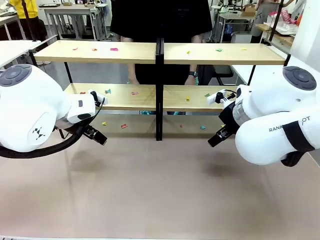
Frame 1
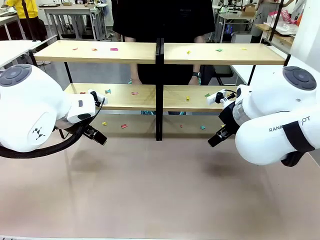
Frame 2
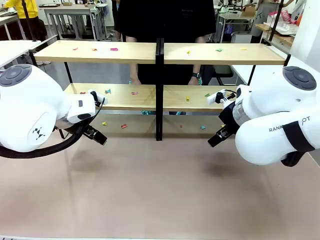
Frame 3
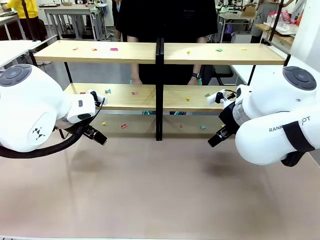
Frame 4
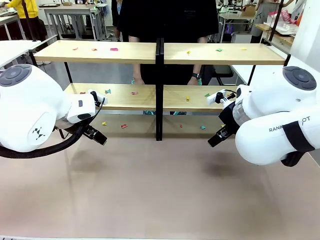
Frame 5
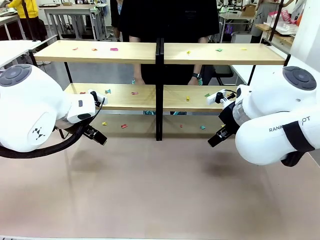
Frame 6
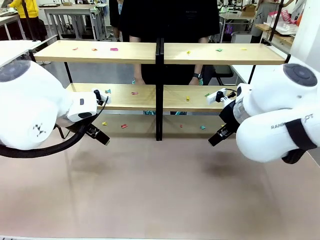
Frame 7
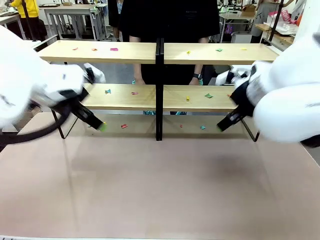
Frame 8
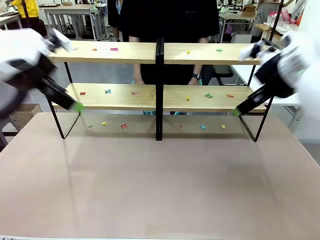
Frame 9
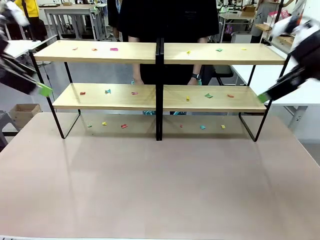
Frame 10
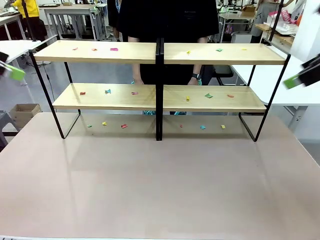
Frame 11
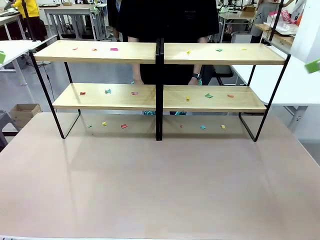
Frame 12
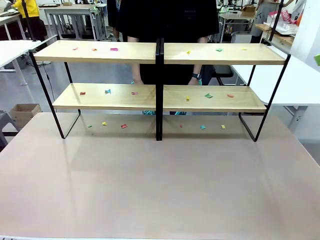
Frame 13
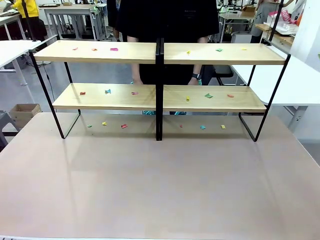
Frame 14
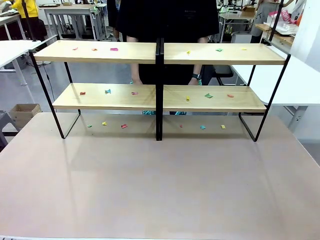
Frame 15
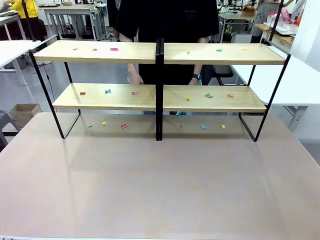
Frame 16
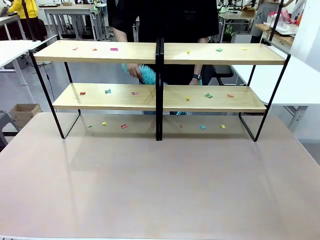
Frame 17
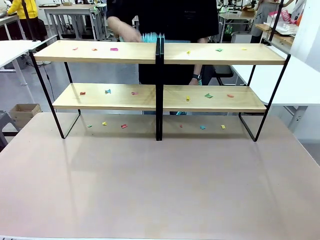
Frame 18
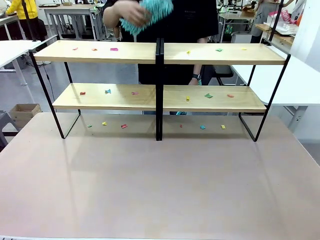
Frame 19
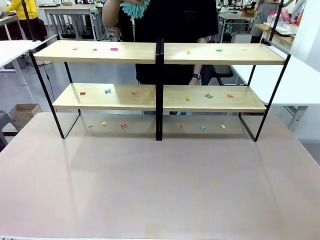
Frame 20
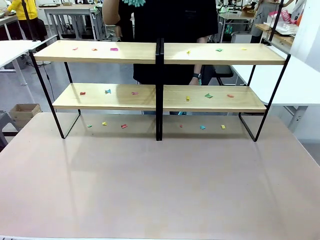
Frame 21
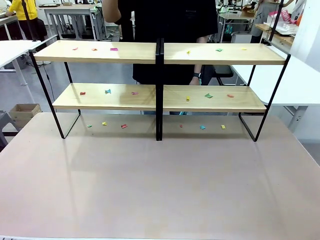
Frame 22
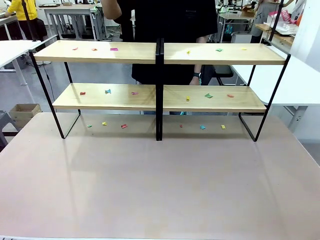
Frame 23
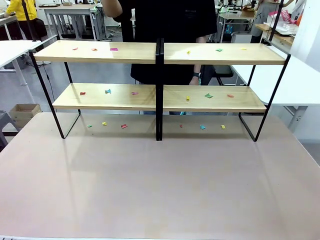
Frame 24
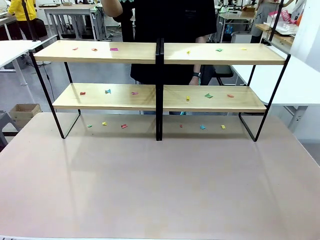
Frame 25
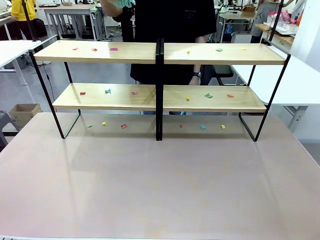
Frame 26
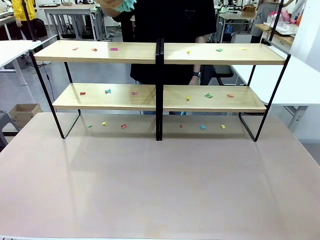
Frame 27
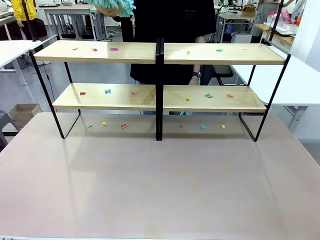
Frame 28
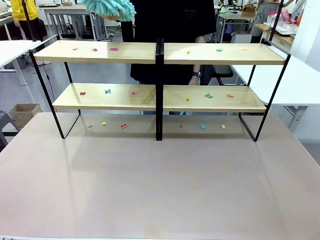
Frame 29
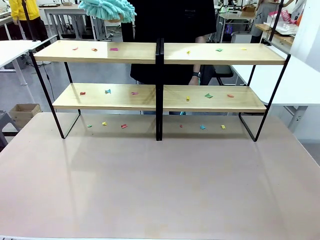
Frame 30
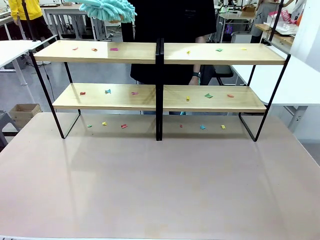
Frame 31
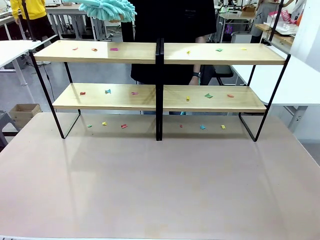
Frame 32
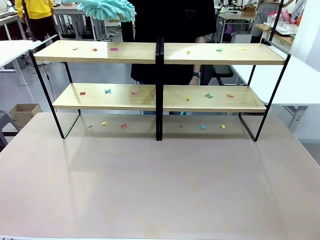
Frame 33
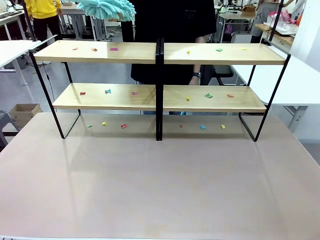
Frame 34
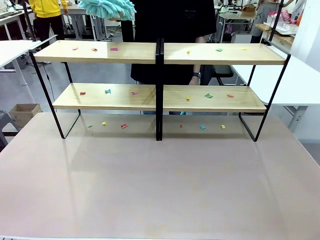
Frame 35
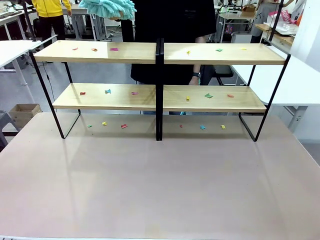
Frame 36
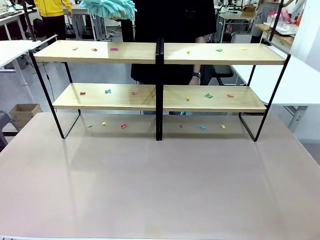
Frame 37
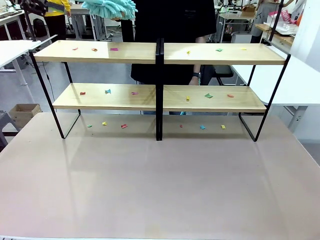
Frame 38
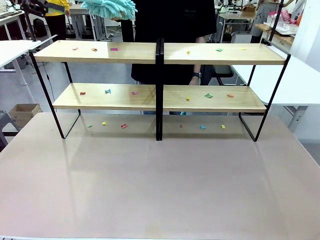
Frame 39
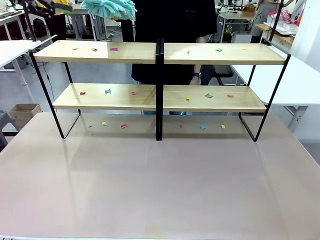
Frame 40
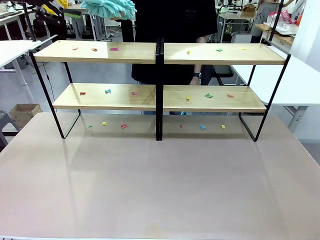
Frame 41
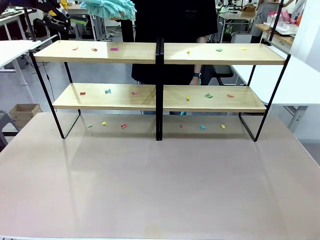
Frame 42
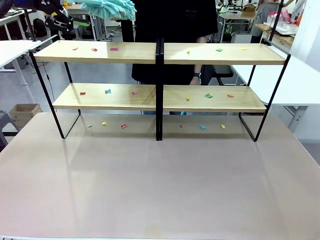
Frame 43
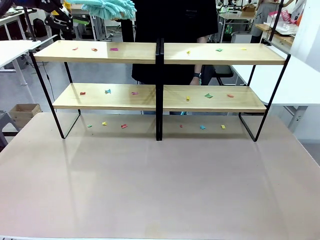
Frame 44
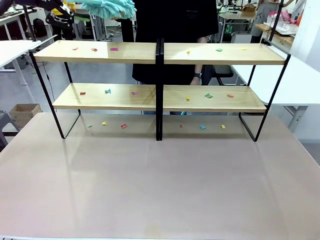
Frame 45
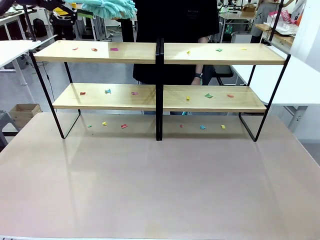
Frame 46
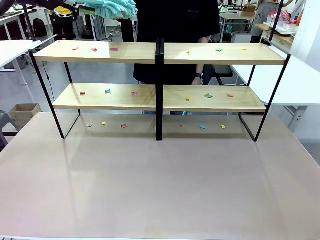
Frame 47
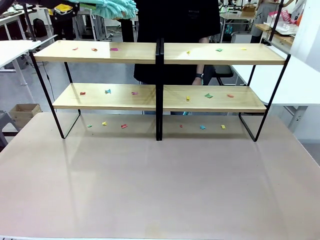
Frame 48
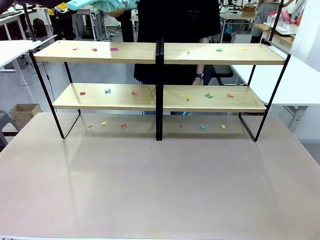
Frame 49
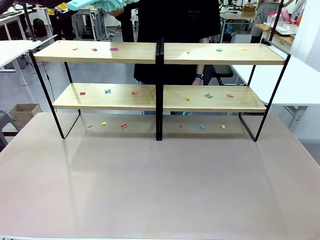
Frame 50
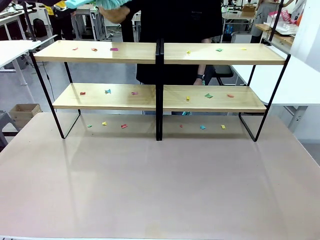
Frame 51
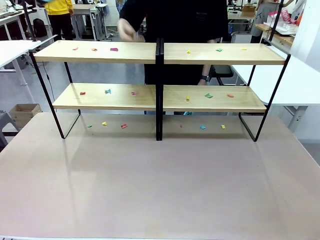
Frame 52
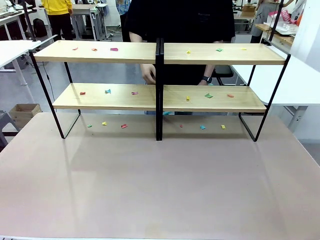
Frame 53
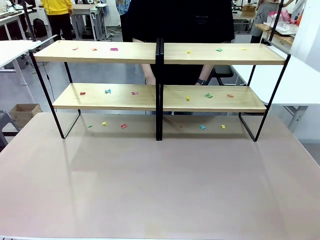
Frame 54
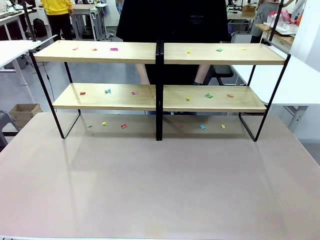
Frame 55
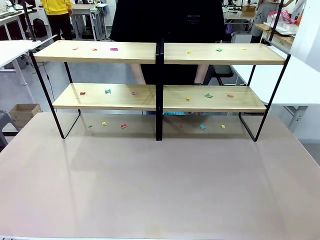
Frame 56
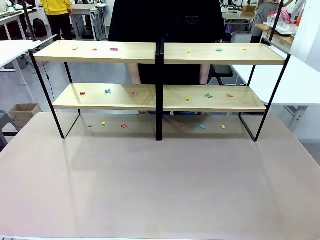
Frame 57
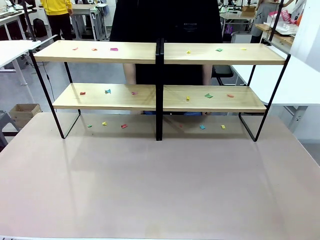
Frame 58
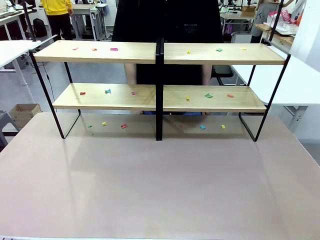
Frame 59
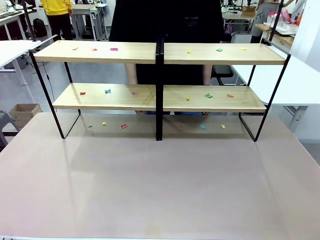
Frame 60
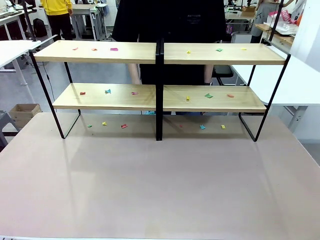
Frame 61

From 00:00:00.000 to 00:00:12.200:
Task: Clean the shelves.
Robot: Pick up the Duster when the human hands it over.
Person: Hand the Duster to the robot with your right (or left) hand.

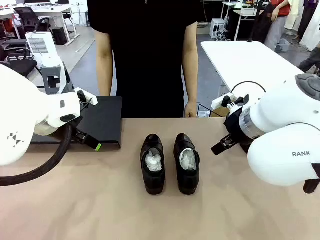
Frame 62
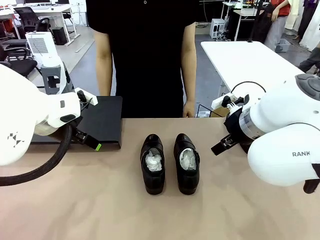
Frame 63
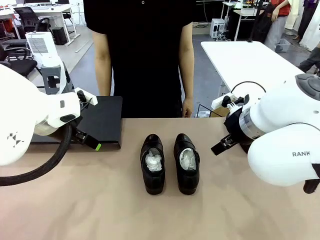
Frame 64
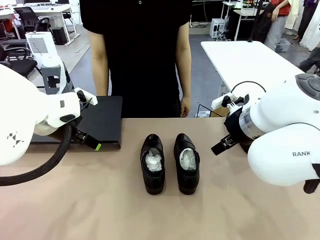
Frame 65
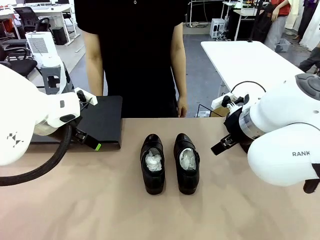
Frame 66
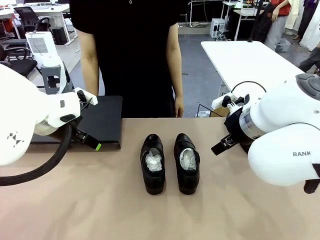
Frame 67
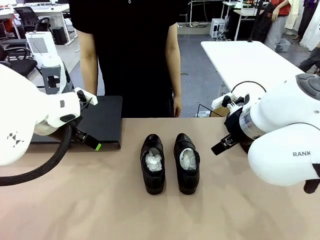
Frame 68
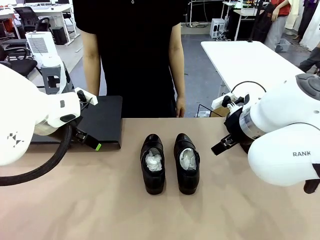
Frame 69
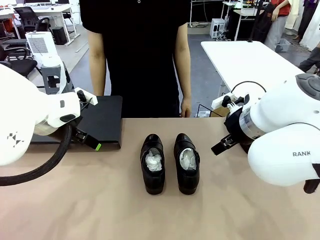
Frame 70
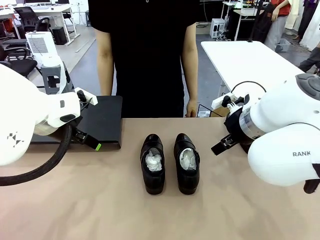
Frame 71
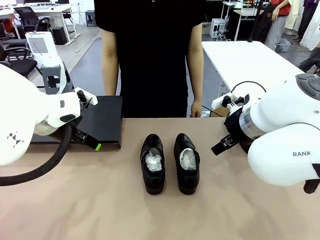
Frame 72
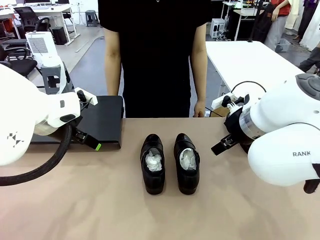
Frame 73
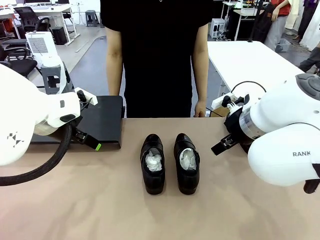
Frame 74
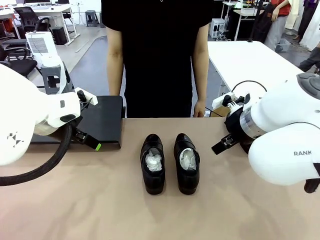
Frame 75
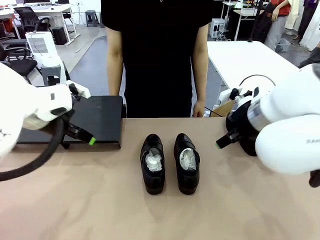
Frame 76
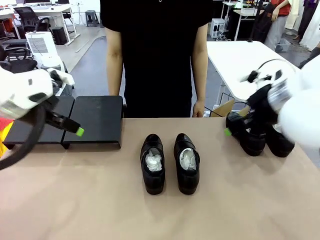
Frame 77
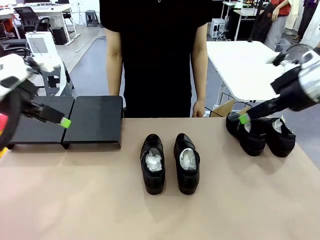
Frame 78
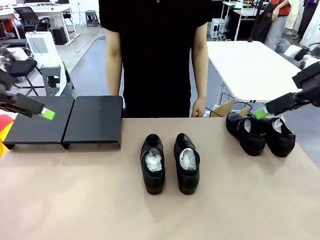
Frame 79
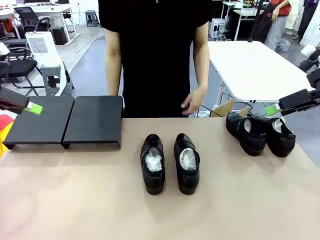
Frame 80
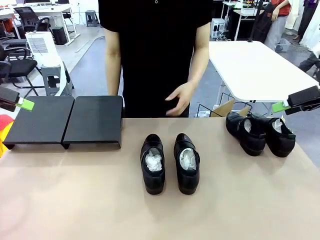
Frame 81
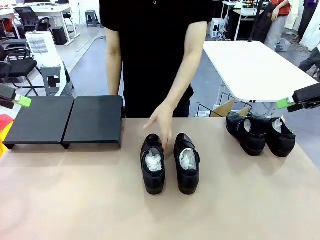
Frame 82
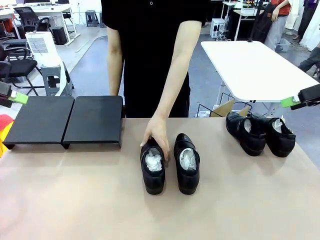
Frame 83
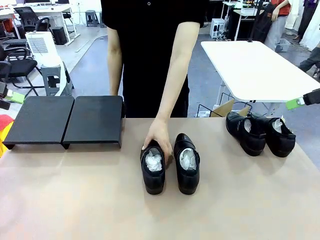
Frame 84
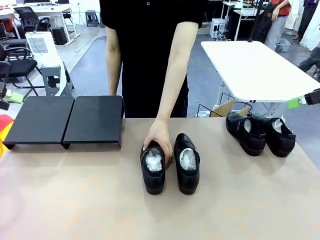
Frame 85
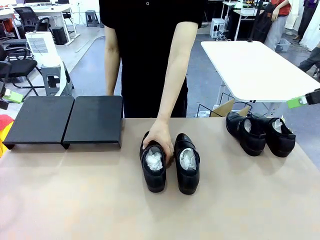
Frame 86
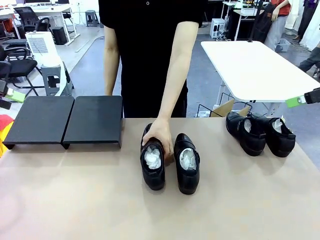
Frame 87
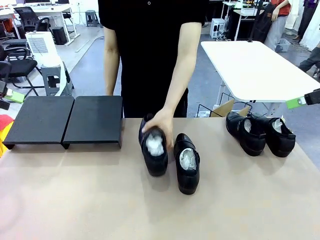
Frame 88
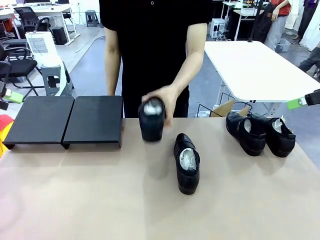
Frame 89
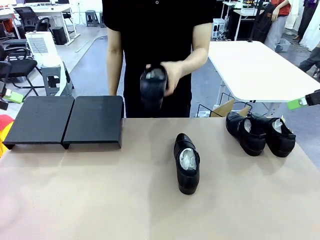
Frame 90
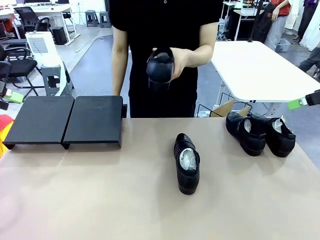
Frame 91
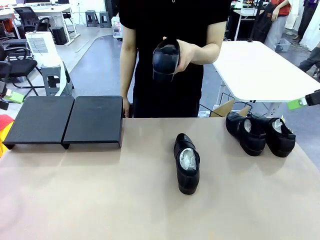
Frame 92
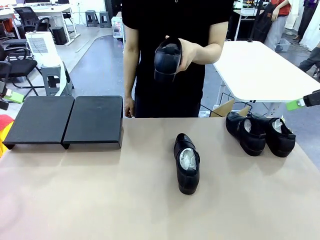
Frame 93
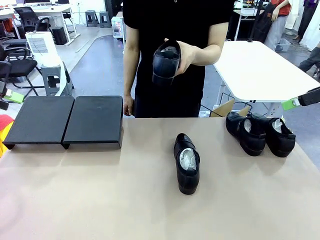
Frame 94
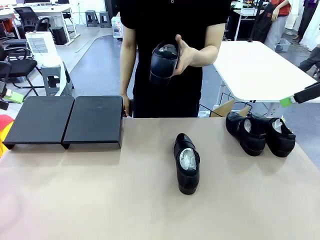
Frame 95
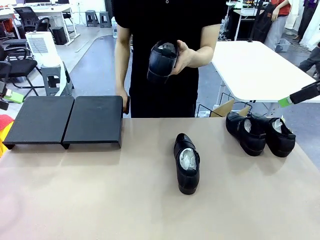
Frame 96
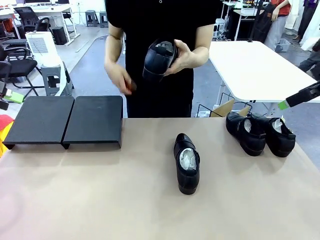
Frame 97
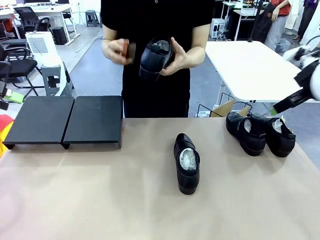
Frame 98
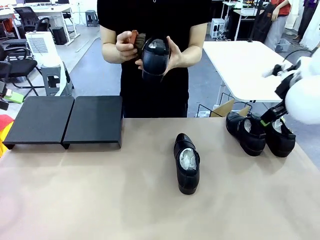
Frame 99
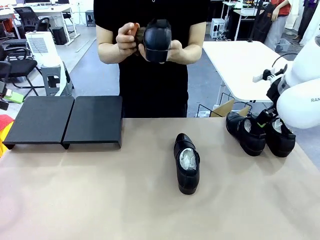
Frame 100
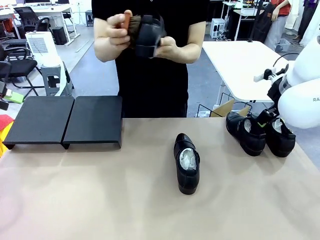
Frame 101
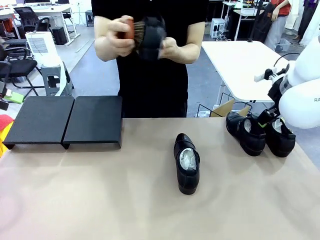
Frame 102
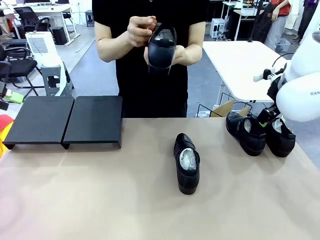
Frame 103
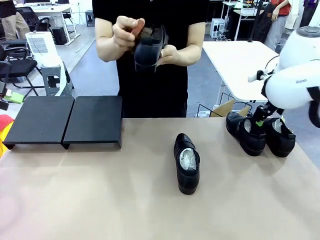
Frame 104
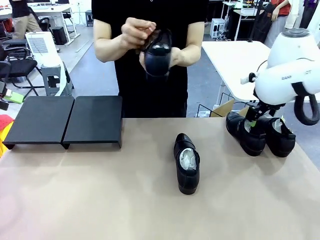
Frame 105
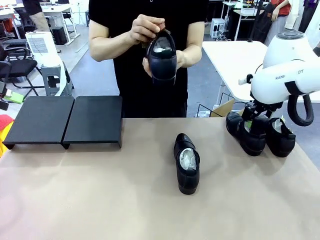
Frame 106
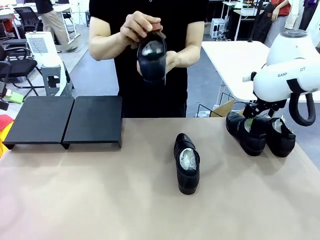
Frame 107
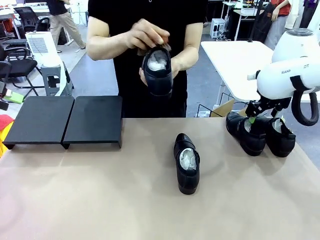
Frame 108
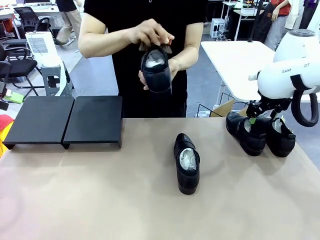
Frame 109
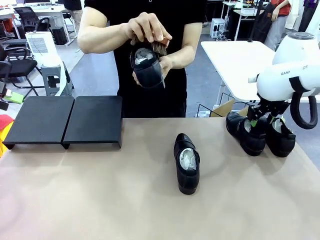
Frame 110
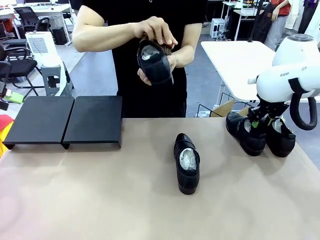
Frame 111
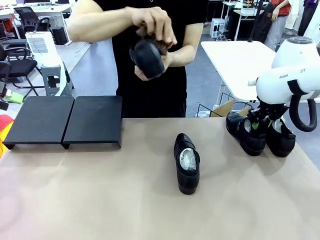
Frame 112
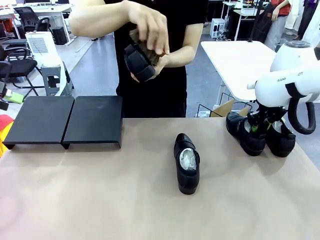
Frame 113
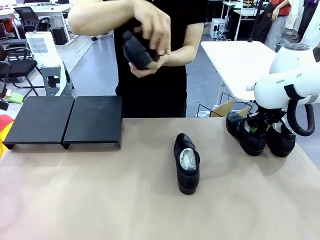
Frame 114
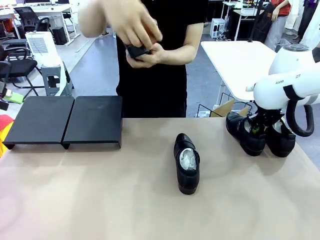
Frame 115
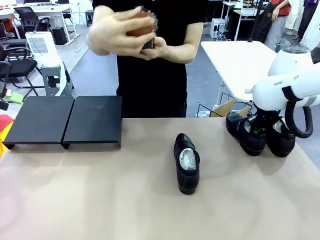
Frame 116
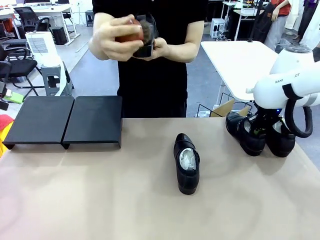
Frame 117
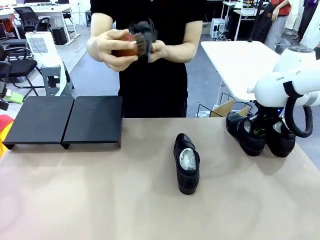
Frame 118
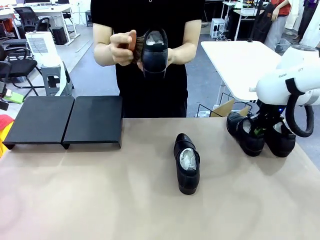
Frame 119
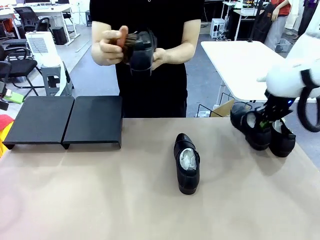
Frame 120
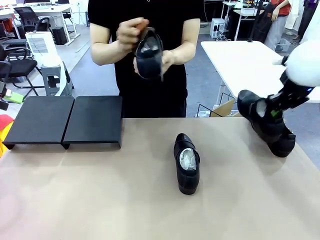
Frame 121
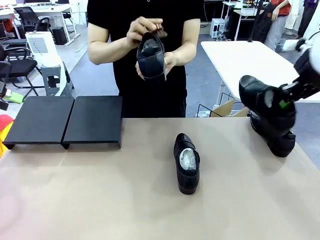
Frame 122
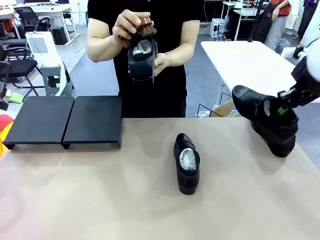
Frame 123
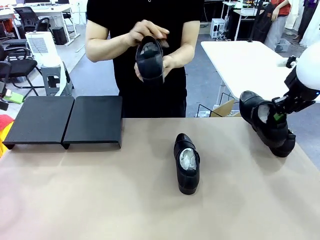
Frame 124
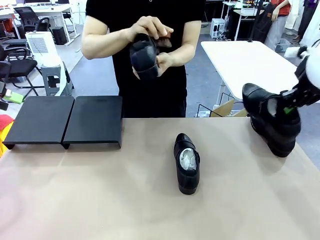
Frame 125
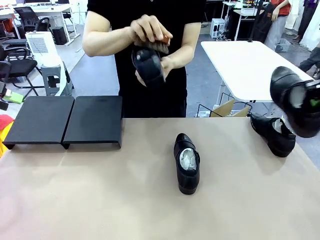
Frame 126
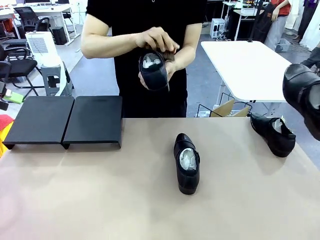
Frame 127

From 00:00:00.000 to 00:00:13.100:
Task: Organize the shoes by placing them on the stand.
Robot: Pick up one Shoe and place it in the middle of the table.
Person: Pick one Shoe on Robot's table. Clean the Shoe with the Shoe Brush.
